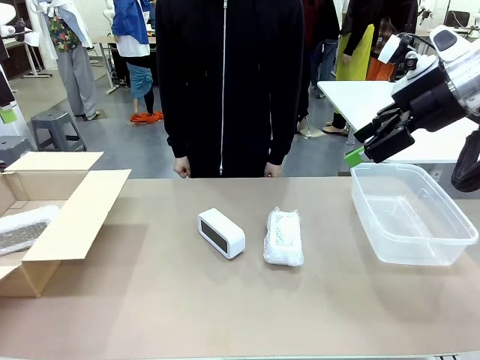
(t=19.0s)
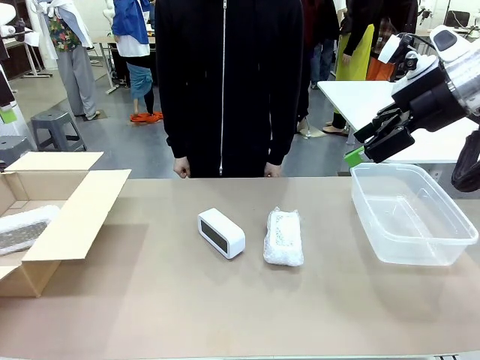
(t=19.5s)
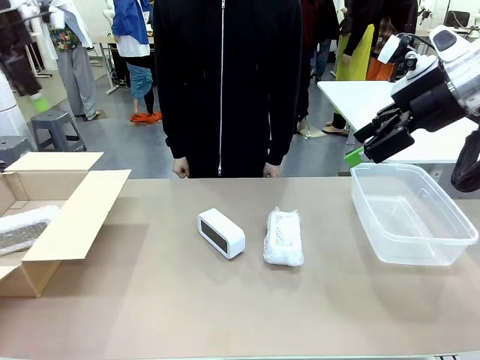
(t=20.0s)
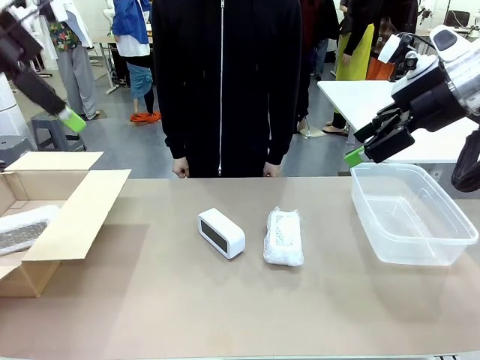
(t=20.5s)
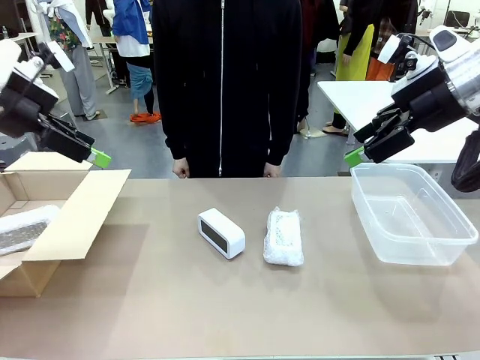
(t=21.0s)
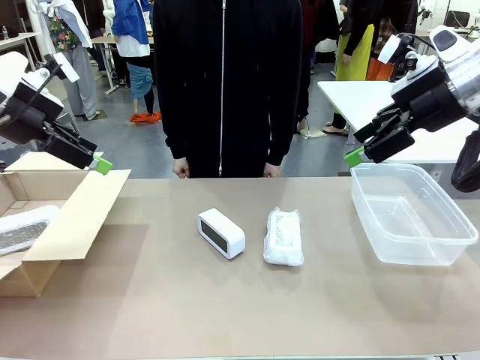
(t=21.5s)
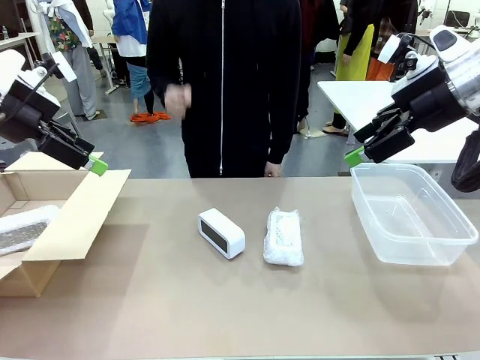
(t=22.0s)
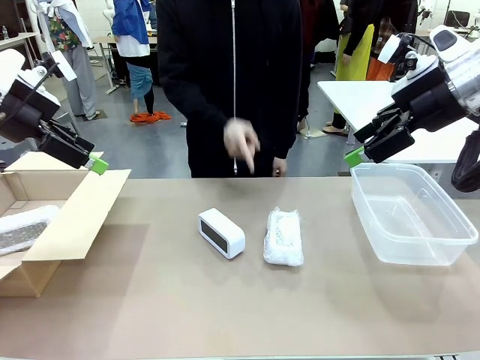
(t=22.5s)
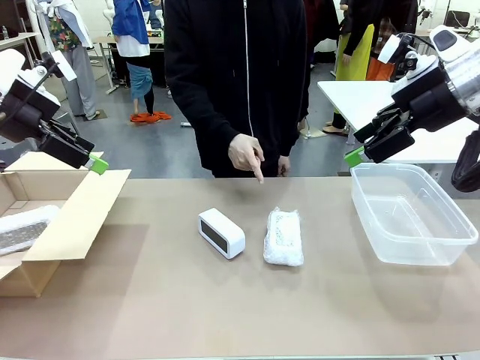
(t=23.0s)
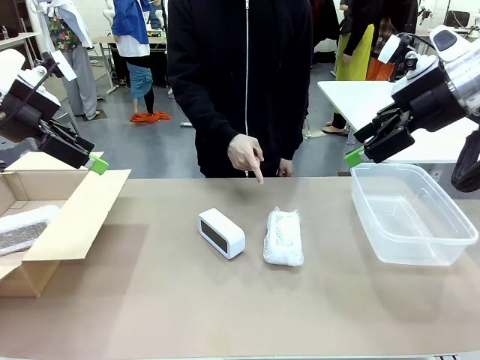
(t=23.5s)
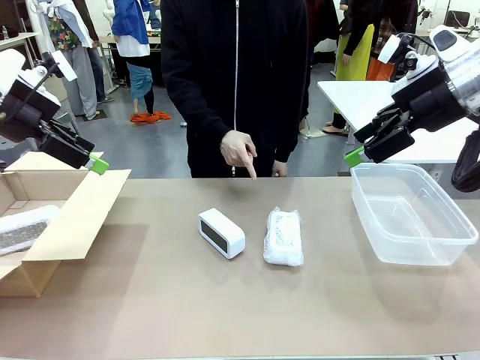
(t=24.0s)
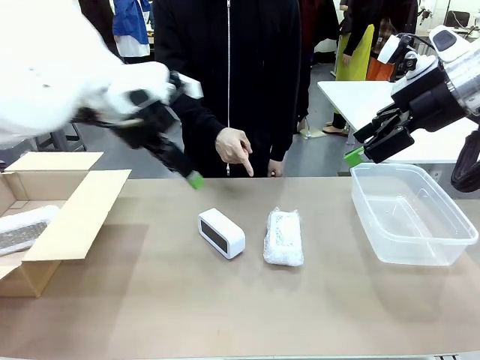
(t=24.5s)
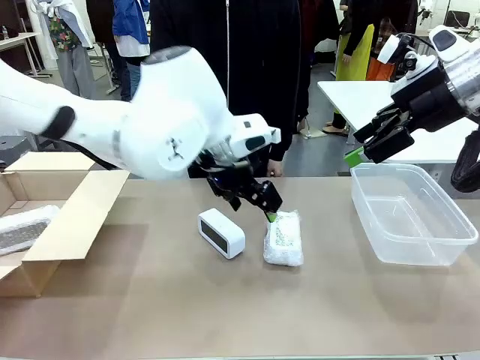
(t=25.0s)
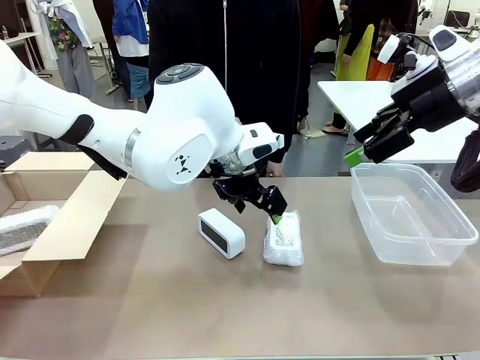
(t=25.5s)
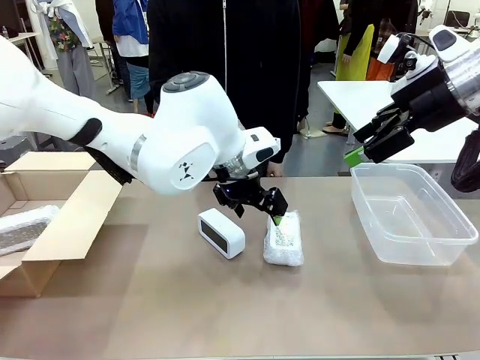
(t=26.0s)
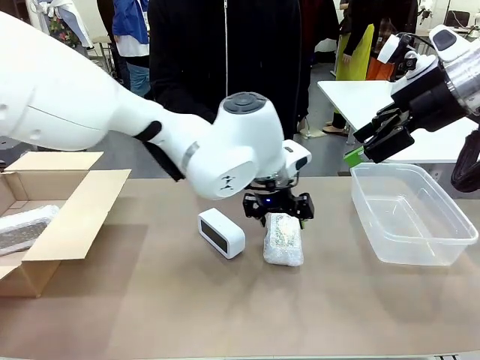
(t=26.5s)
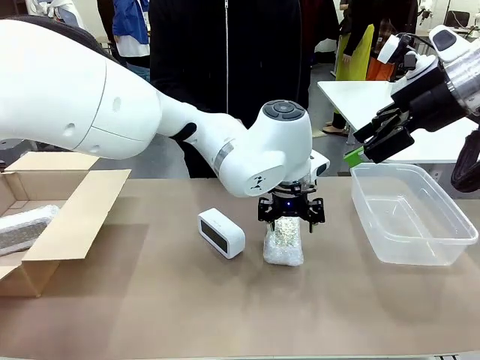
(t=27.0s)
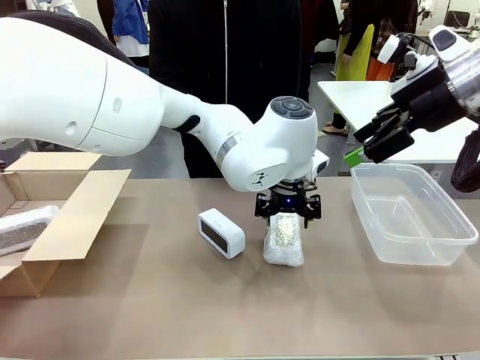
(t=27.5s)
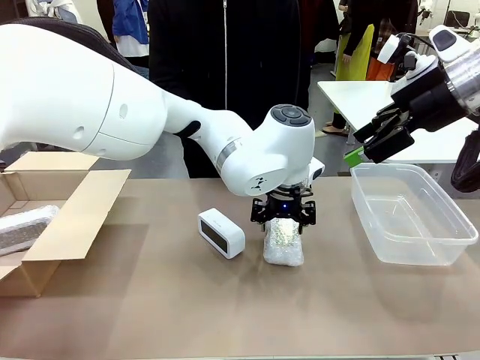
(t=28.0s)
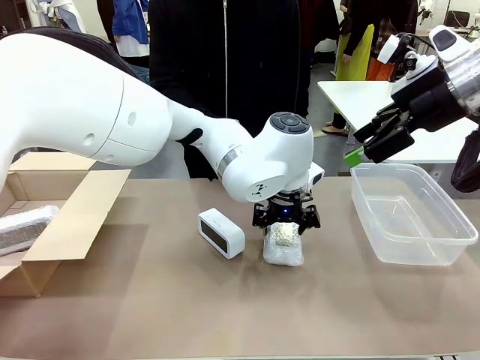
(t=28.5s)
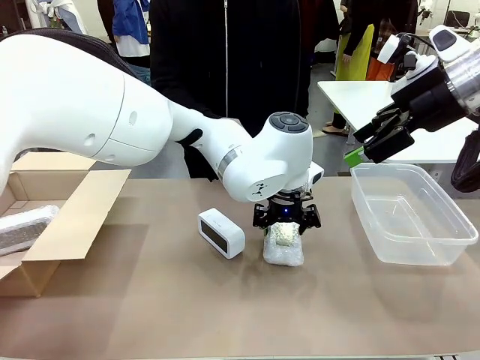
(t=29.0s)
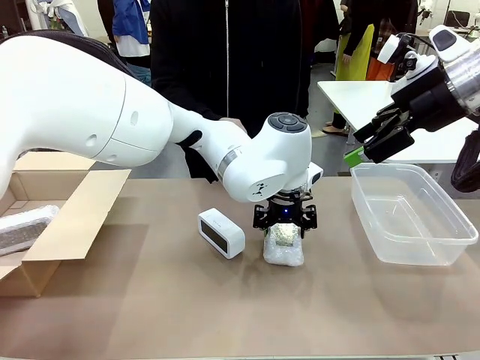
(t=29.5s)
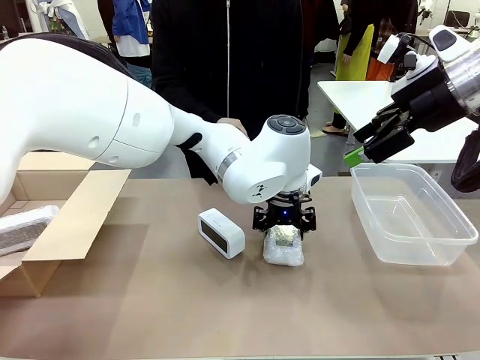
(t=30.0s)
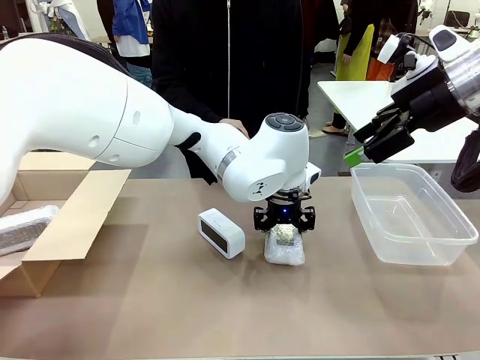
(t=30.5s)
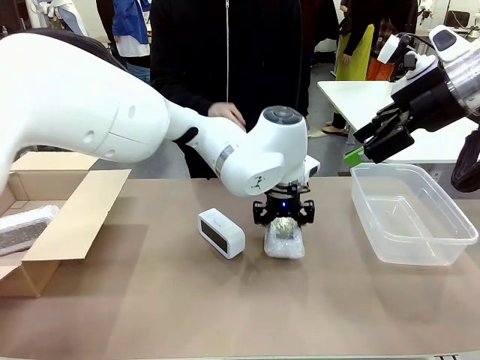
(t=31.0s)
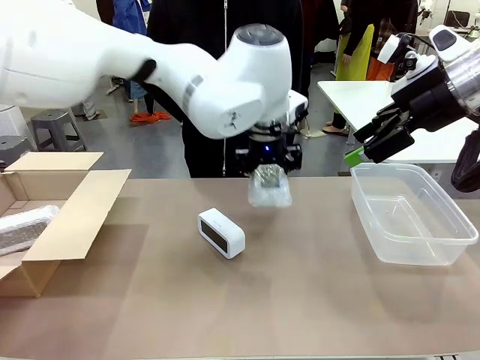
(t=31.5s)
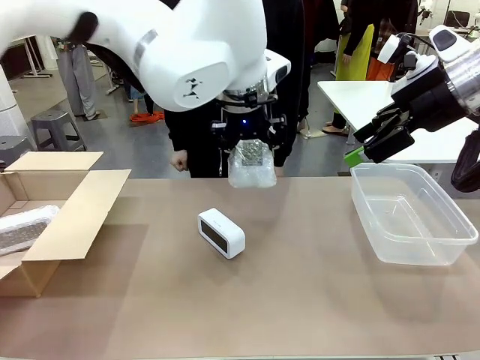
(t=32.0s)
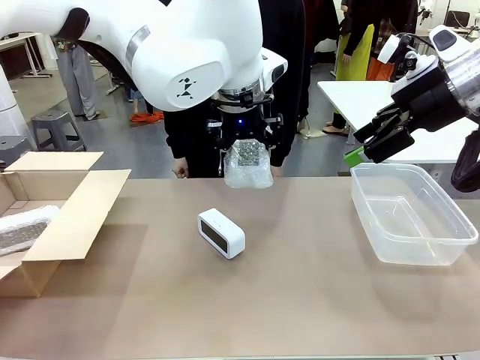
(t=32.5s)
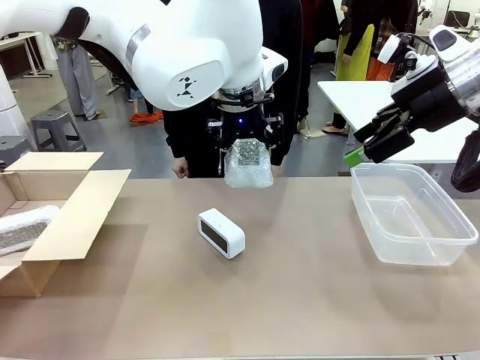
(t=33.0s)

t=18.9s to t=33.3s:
Task: Separate and place wrapped and unwrapped clocks.
Robot: Pick up the Digital clock indicated by the person.

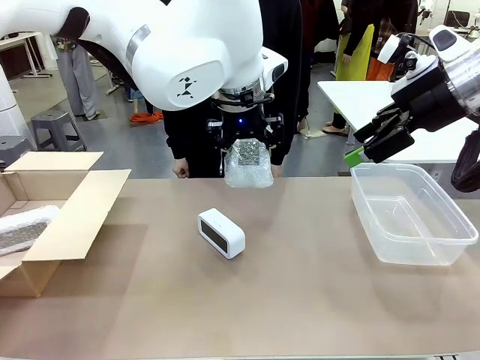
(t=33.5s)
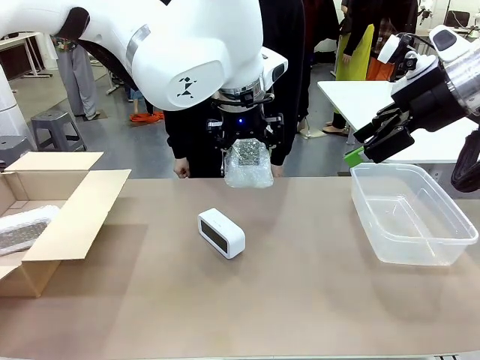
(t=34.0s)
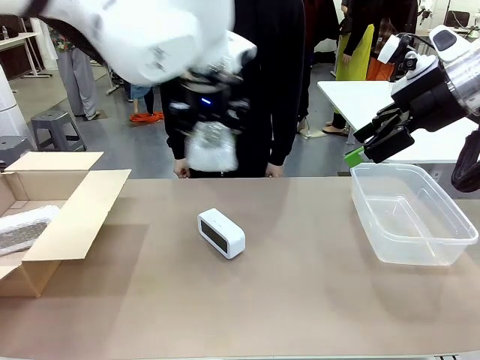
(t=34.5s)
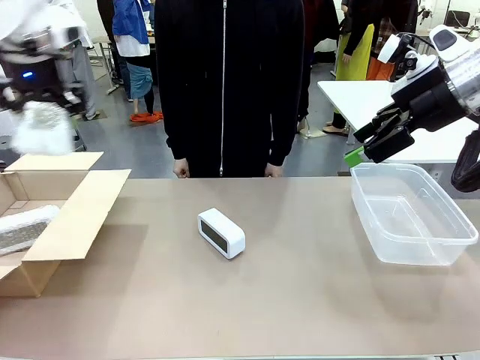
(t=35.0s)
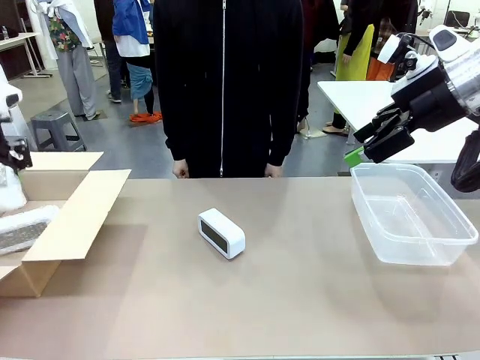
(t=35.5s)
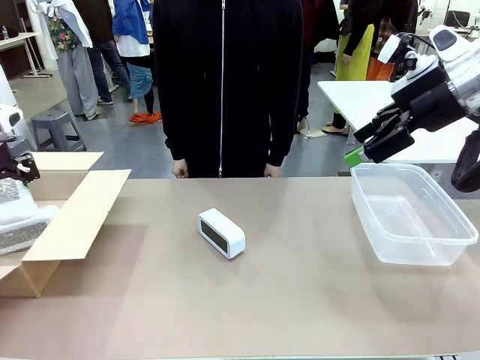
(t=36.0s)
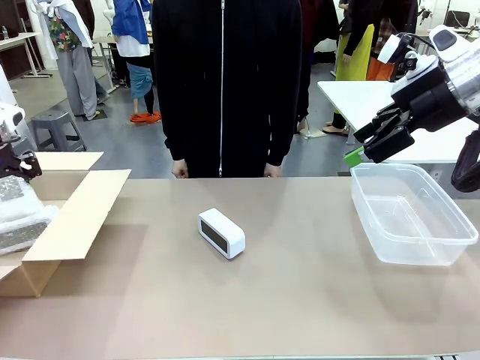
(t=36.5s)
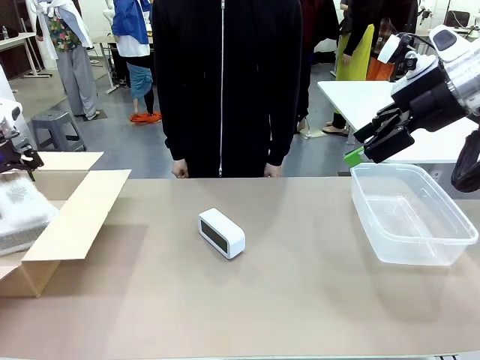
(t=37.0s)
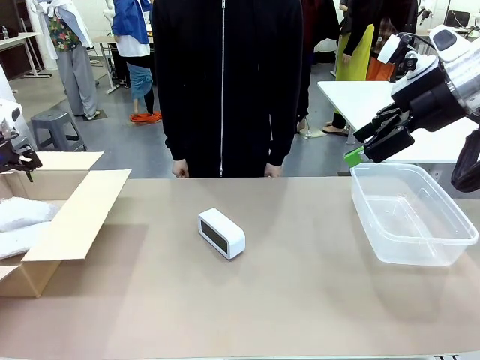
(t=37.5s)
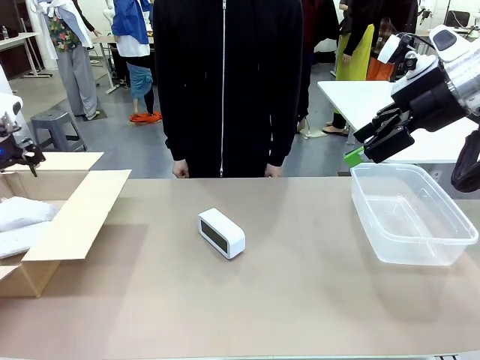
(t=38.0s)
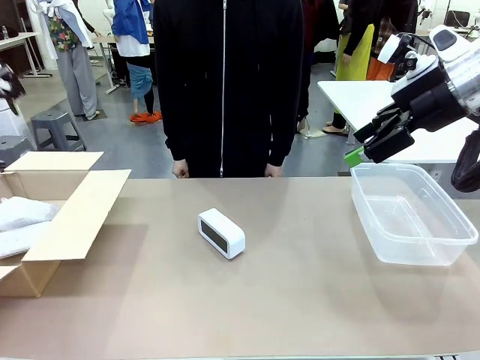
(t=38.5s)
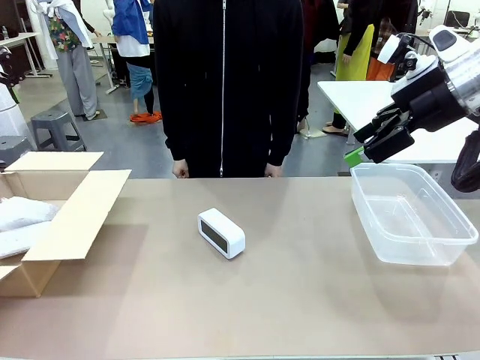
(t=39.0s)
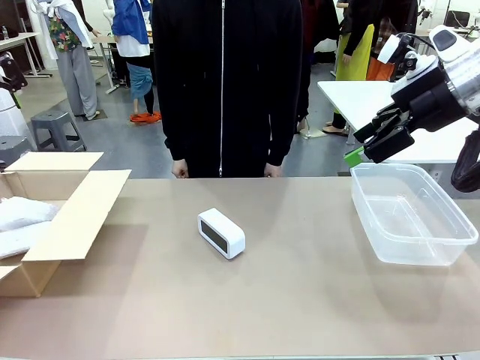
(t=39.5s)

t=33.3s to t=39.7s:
Robot: If the picked Digital clock is wrapped, place it in the Package Box ; if not, place it in the Organizing box.

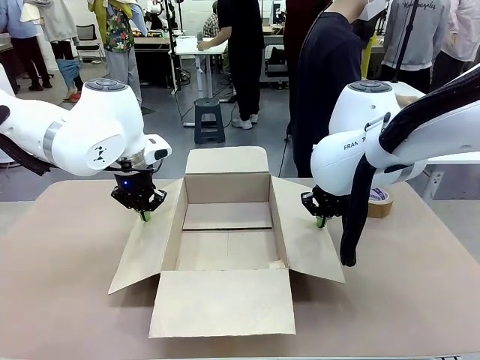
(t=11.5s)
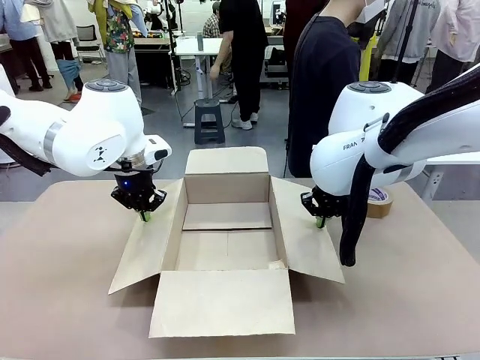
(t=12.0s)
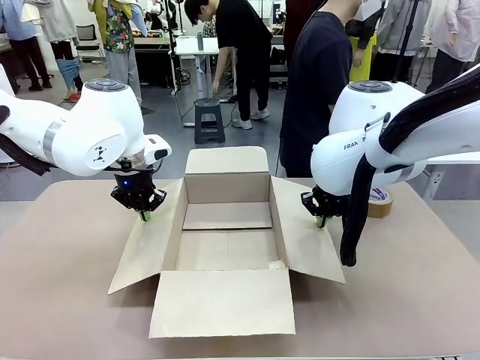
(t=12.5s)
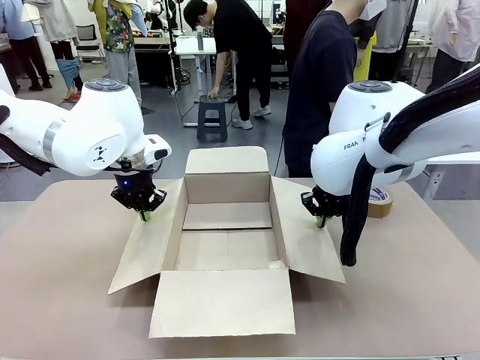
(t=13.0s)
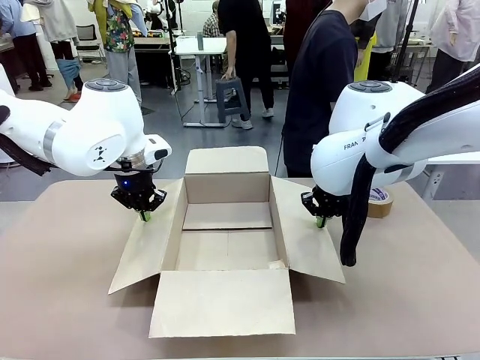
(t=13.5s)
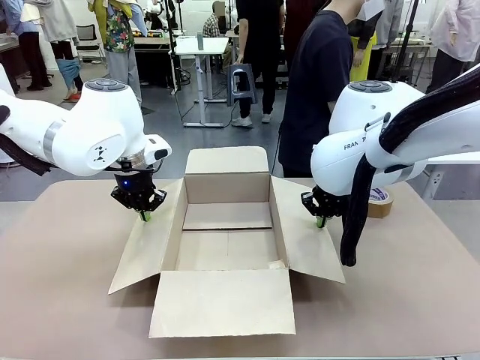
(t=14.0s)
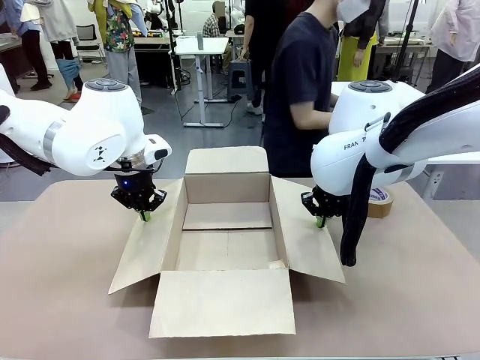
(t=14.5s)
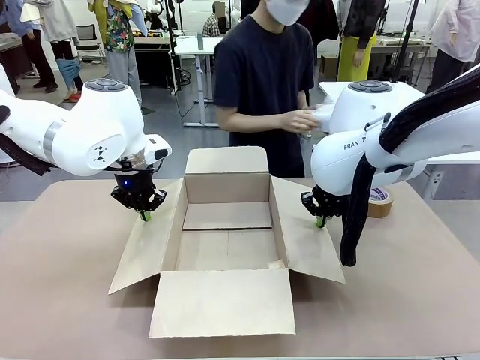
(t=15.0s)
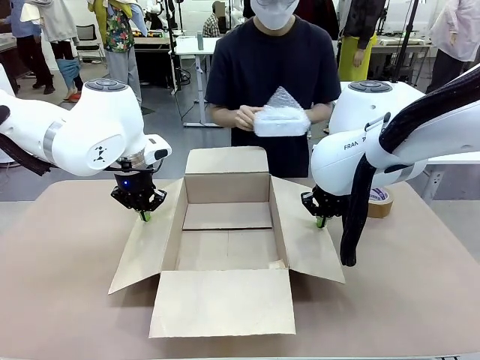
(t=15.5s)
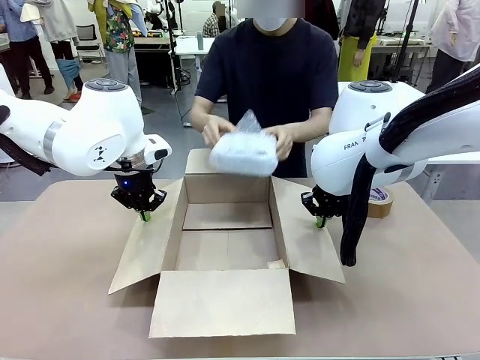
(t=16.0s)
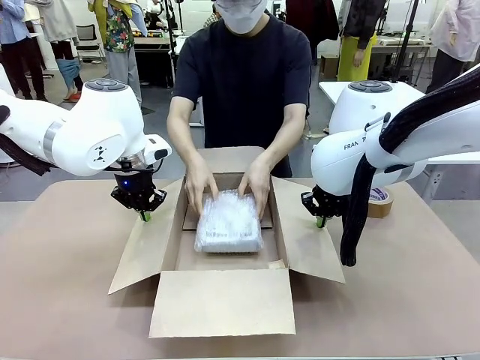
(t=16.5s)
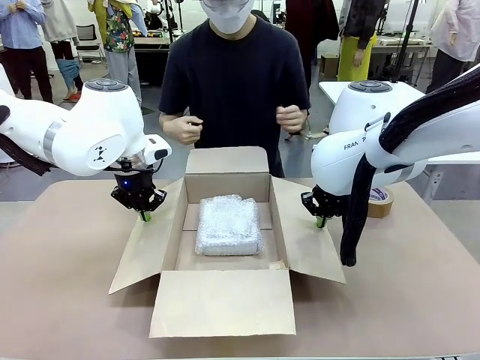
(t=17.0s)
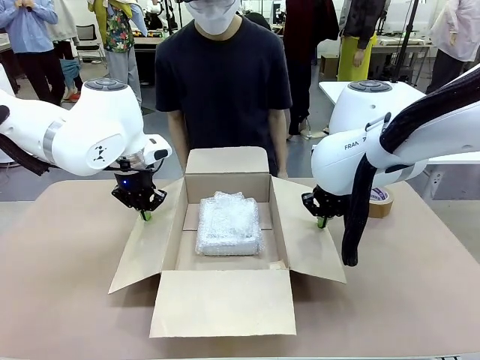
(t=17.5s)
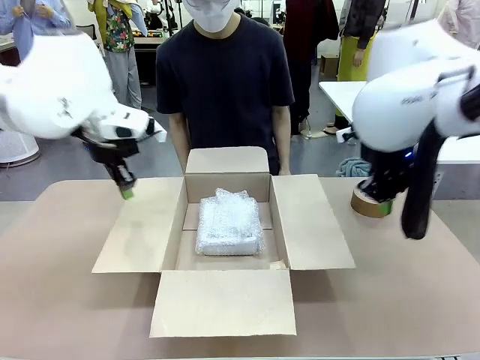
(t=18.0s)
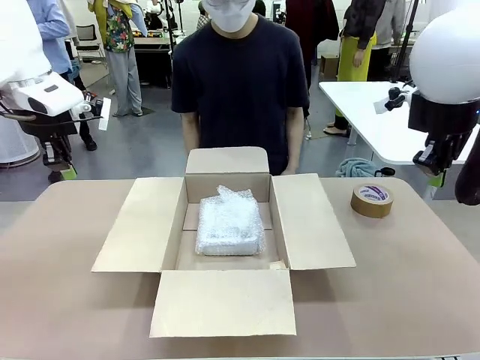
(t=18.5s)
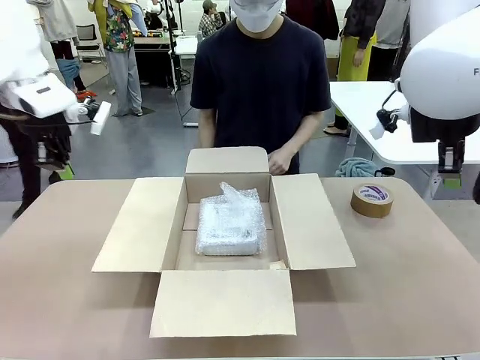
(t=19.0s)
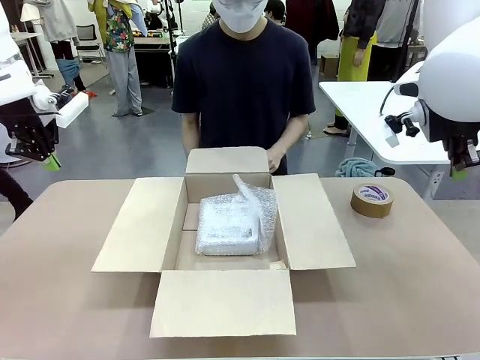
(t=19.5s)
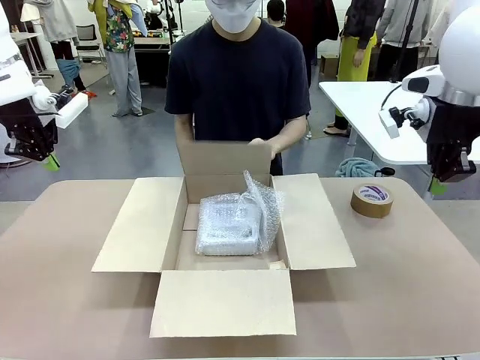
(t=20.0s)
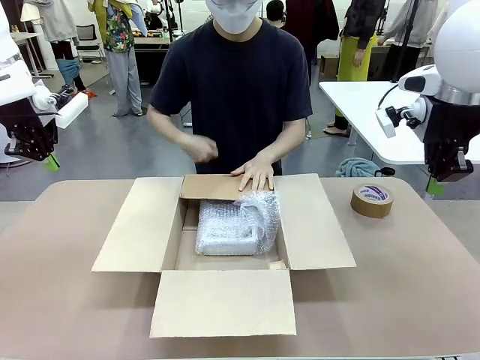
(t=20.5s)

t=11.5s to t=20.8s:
Task: Wrap the clocks to prevent damage.
Robot: Once the human has placed the objects inside and stepped back, release both hands from the side flaps of the Package Box.
Person: Place the wrapped Digital clocks inside the Package Box. Hold the top and bottom flaps of the Package Box closed with your left (or right) hand.
